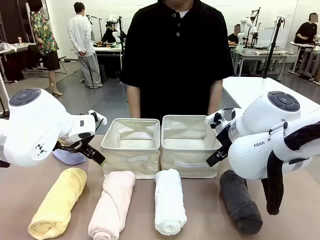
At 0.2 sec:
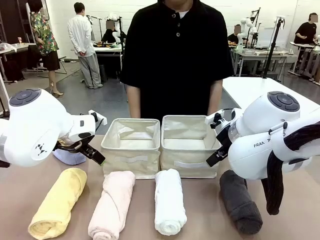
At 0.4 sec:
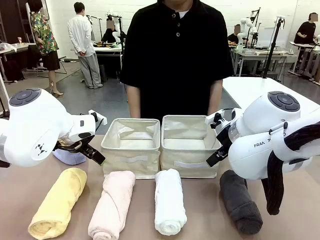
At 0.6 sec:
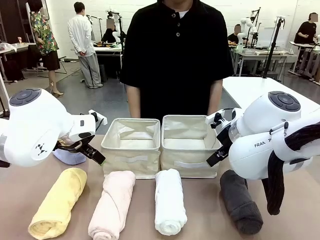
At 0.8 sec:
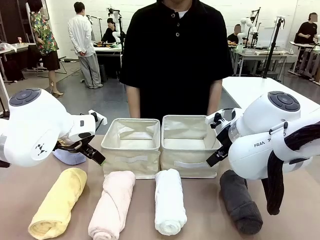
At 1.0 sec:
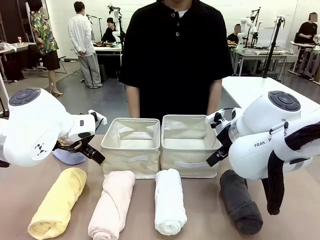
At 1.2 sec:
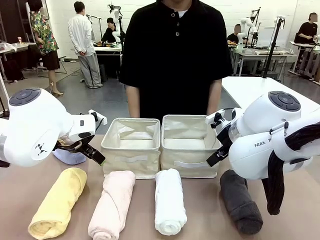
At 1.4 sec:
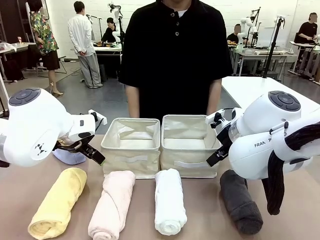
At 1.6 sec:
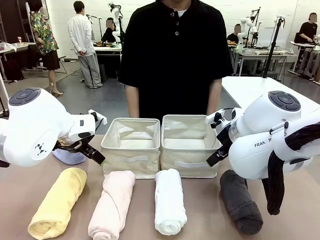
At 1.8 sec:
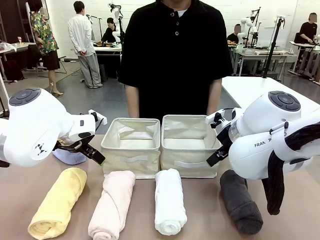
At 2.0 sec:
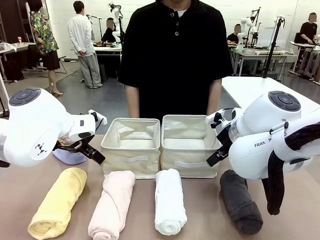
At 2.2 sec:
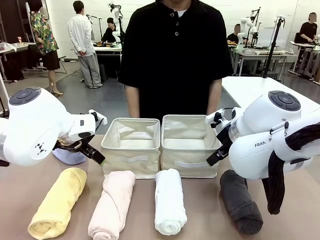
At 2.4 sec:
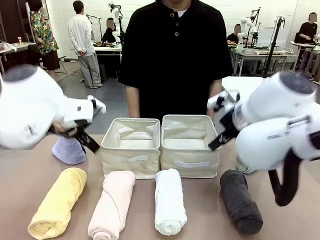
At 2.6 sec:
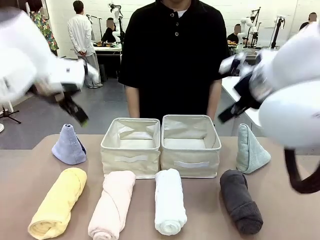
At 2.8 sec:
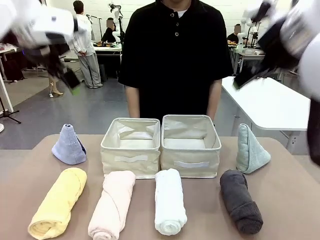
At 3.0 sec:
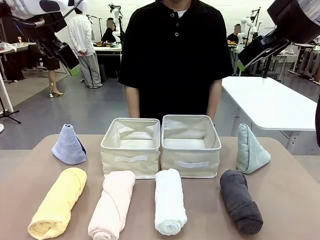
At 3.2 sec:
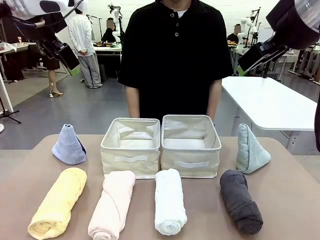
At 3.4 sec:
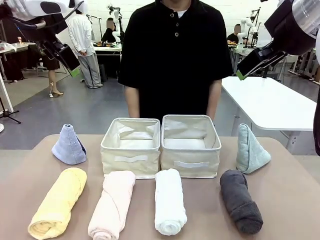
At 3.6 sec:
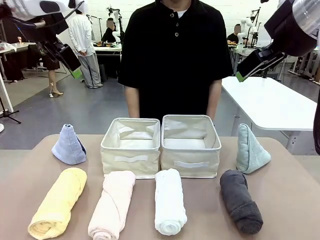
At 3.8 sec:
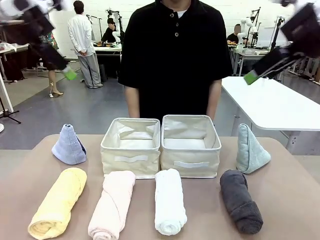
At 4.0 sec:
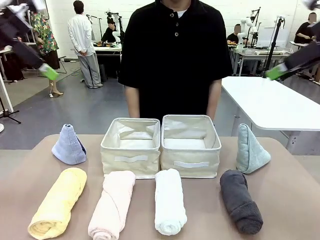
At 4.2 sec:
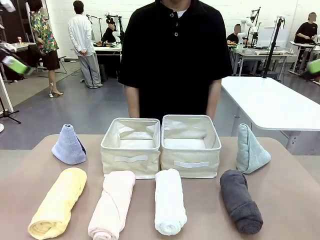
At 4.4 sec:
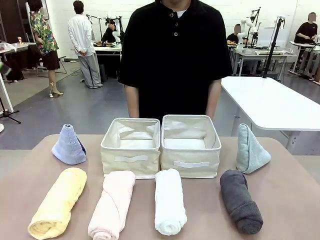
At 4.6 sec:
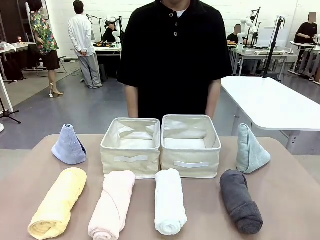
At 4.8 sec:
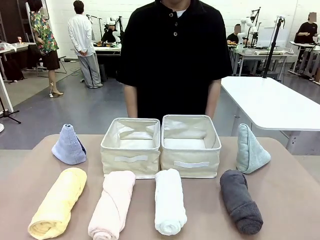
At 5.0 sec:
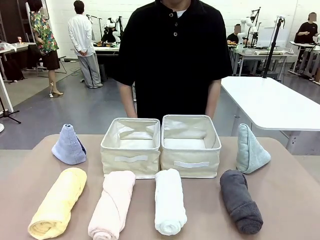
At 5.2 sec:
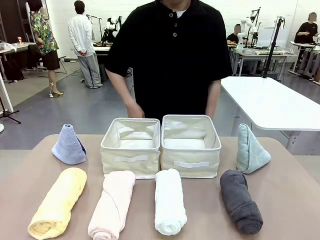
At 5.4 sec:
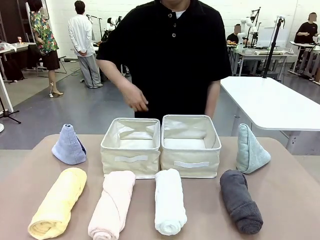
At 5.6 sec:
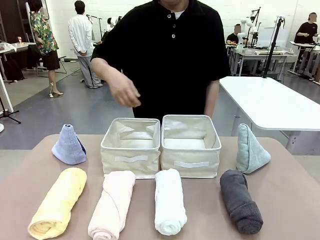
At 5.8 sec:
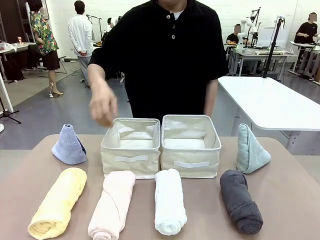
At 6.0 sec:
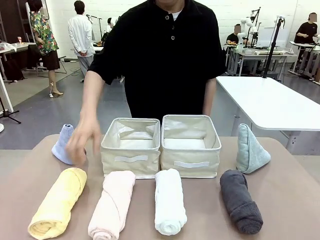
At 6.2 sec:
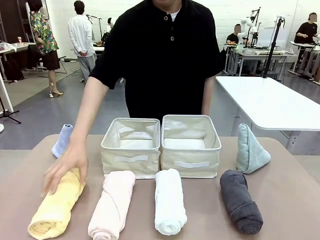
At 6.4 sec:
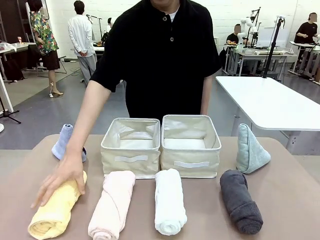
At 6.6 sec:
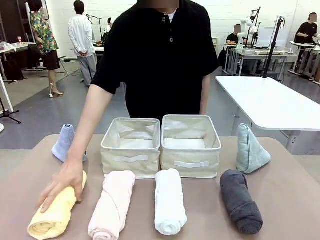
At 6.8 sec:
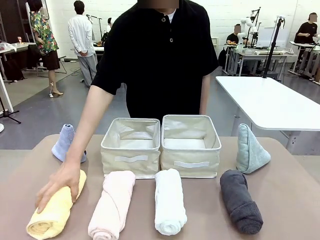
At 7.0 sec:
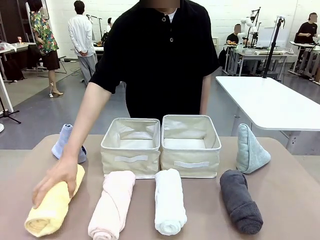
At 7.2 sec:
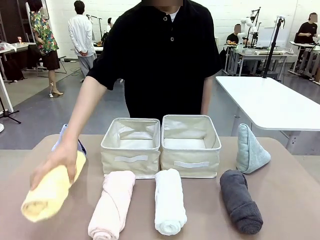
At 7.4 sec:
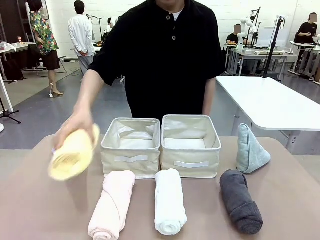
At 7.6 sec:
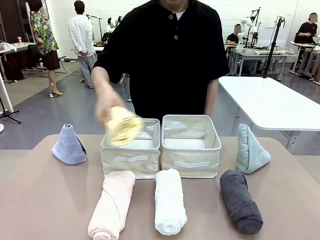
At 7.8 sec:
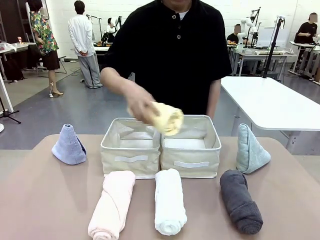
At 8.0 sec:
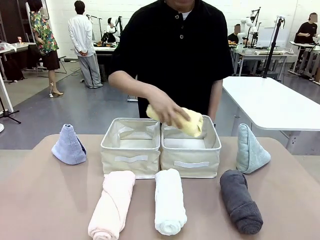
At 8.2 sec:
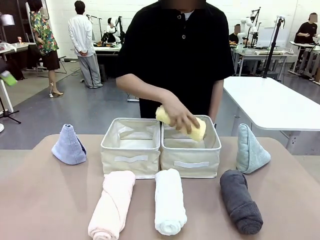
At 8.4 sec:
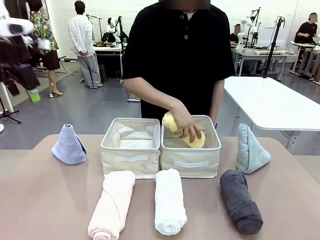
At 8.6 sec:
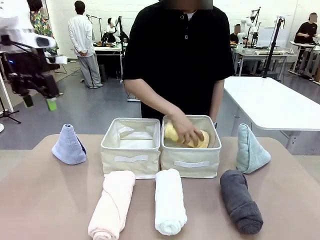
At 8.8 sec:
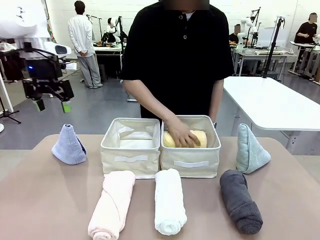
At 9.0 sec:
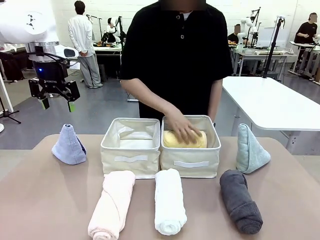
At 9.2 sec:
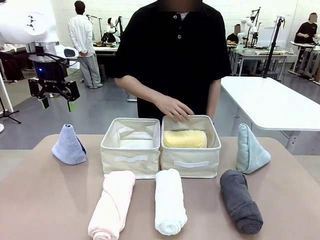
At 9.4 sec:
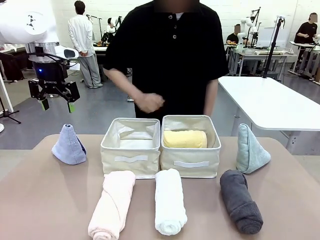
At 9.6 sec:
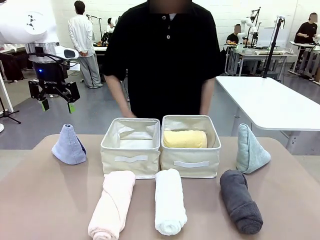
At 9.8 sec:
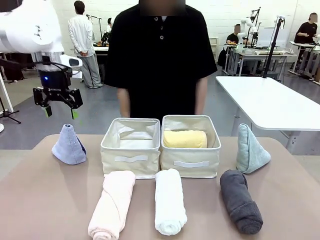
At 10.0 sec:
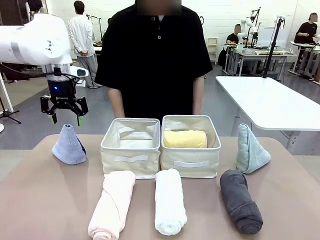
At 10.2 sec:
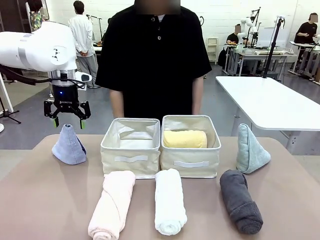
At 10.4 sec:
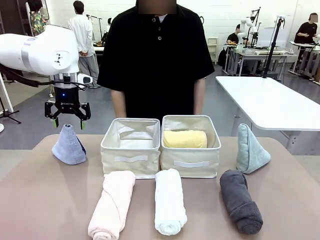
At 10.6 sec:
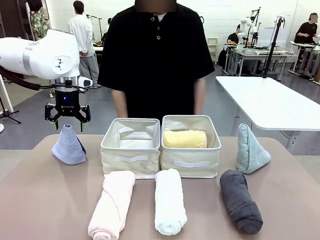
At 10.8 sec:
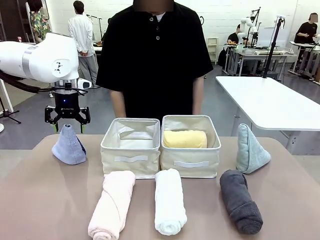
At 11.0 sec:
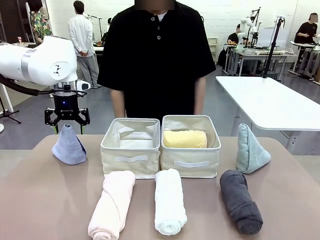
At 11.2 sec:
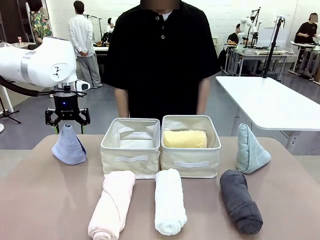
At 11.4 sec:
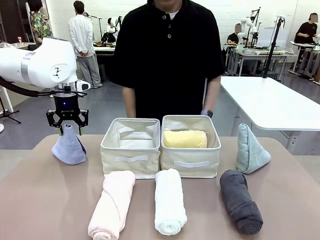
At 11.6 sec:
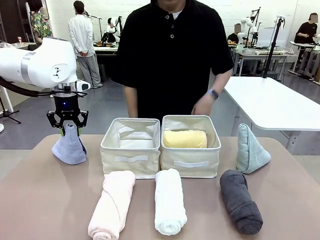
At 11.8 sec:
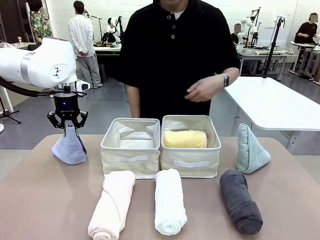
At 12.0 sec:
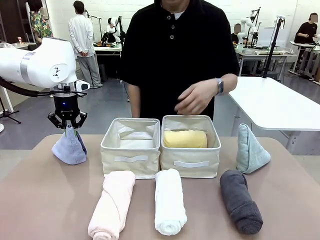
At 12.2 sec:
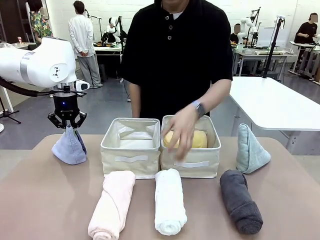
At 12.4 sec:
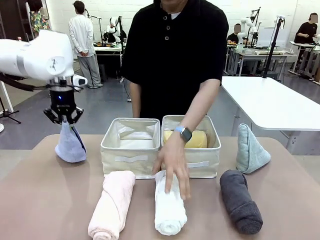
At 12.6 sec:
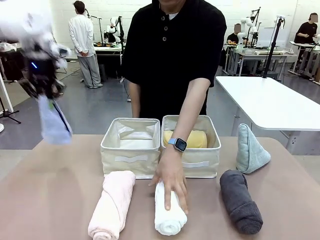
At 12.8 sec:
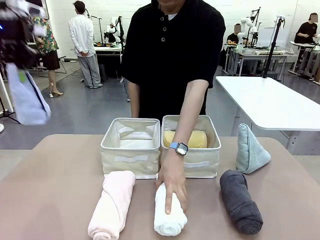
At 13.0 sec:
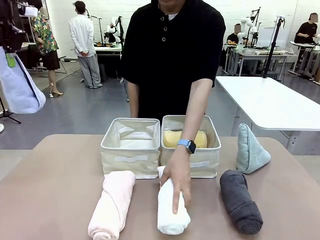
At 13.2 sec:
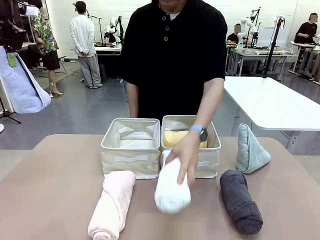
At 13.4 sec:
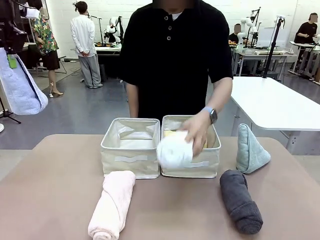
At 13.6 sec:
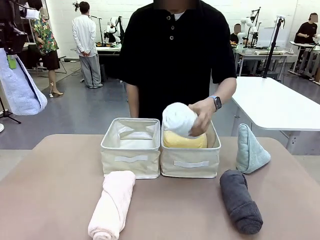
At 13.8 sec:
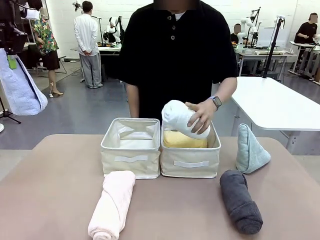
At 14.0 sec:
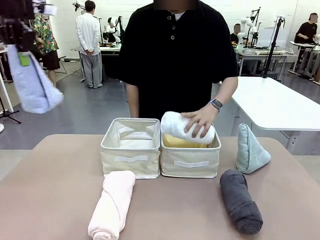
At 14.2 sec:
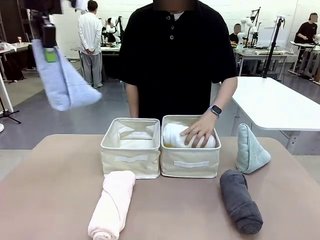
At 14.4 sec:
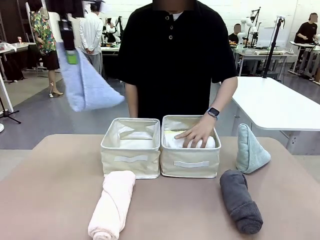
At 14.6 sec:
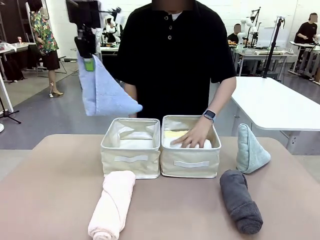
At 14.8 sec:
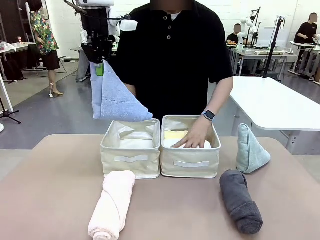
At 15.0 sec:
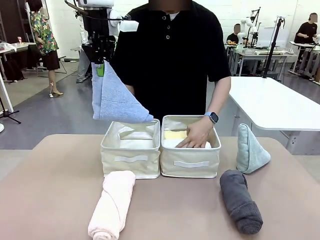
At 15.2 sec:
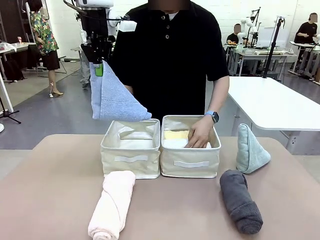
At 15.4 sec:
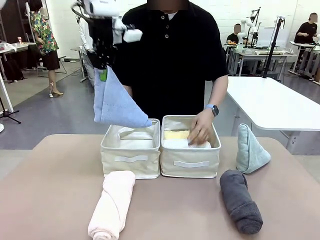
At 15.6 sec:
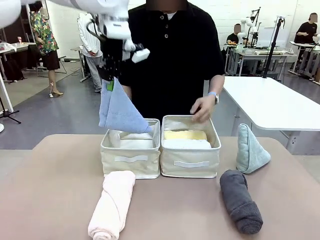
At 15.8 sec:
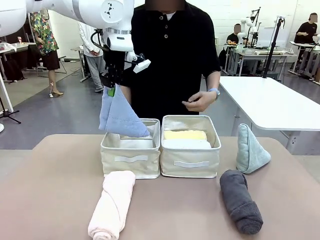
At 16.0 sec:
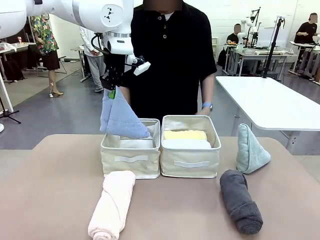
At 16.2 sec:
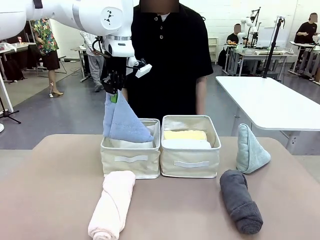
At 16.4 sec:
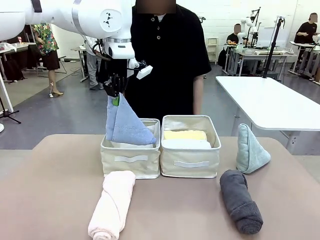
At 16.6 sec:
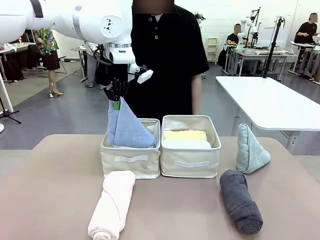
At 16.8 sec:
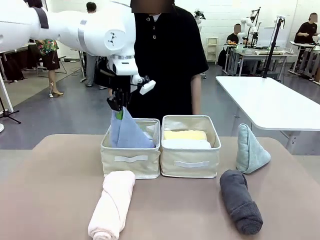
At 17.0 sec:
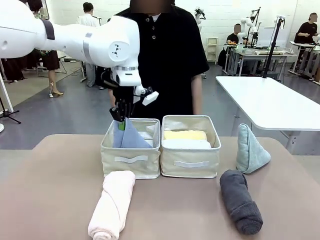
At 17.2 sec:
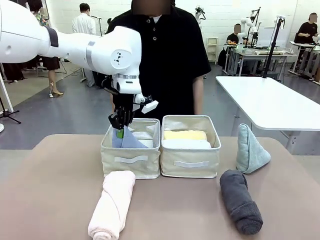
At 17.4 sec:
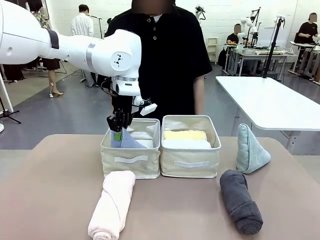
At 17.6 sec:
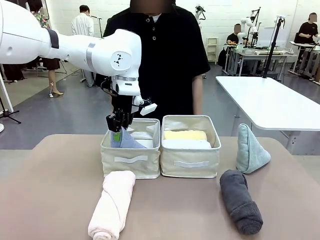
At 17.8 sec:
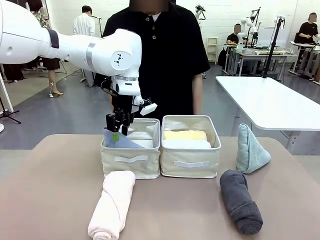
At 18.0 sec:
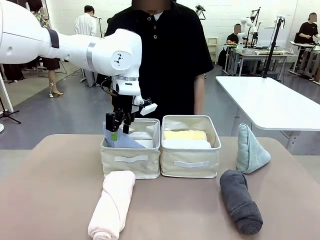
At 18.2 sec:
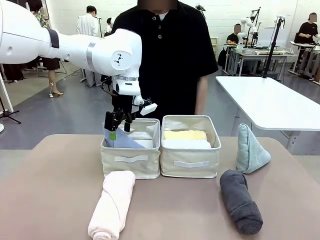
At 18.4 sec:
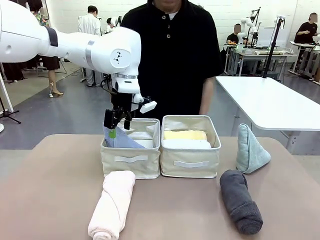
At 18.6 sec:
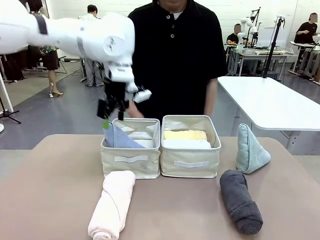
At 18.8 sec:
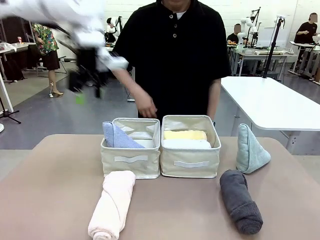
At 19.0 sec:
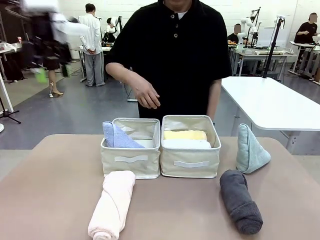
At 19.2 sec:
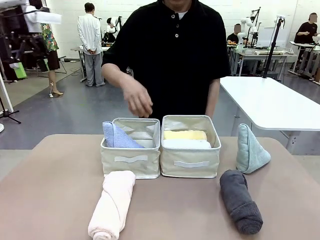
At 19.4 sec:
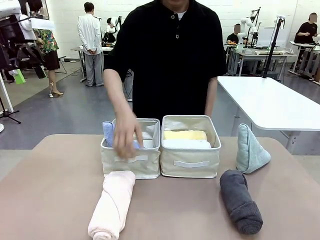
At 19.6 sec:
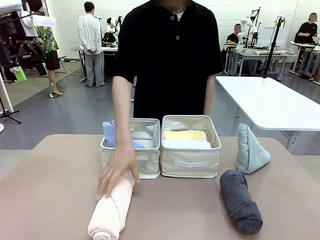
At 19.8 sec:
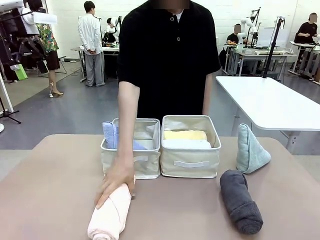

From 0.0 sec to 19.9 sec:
Task: Sort the towels based on their folding style.
Robot: Pick up one triangle-folded towel and place it in the left Fabric basket.
Person: Pick up one hotel-style rolled towel and place it in the left fabric basket.
